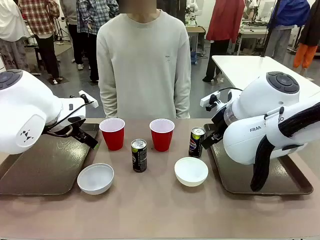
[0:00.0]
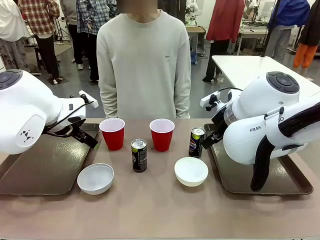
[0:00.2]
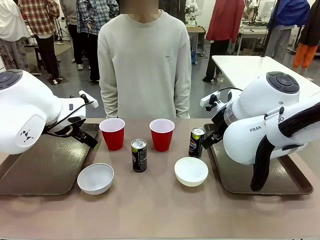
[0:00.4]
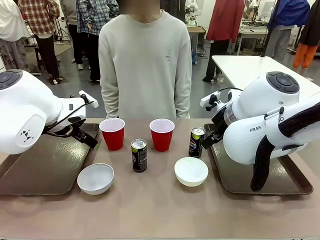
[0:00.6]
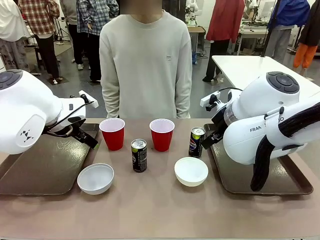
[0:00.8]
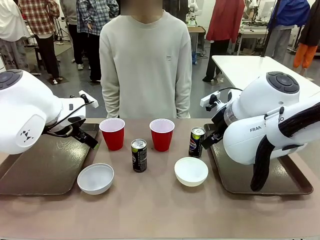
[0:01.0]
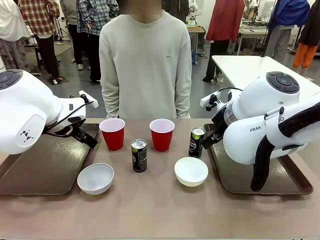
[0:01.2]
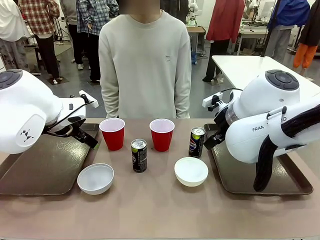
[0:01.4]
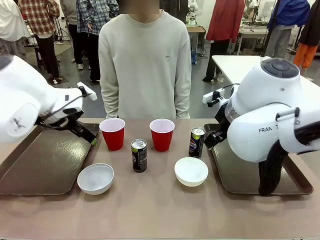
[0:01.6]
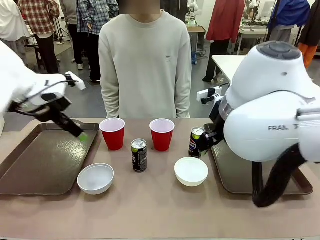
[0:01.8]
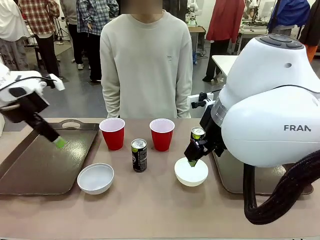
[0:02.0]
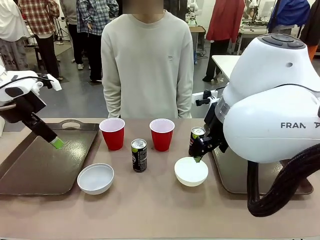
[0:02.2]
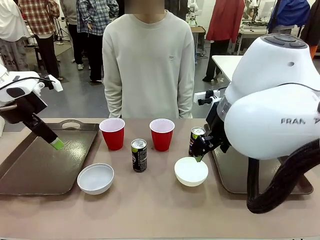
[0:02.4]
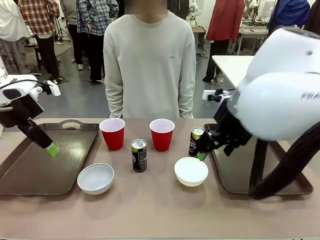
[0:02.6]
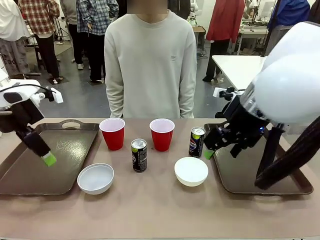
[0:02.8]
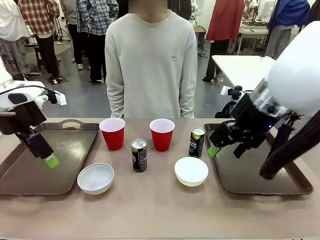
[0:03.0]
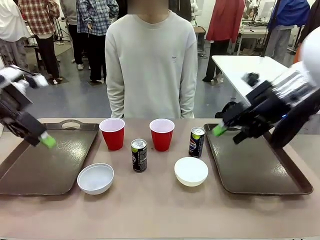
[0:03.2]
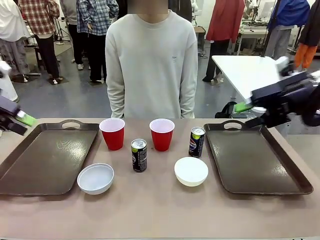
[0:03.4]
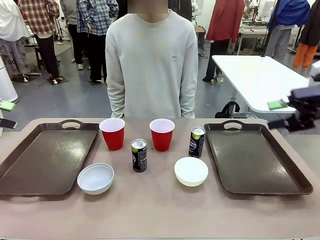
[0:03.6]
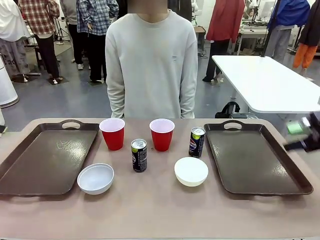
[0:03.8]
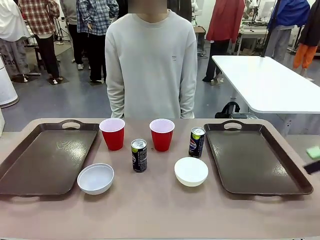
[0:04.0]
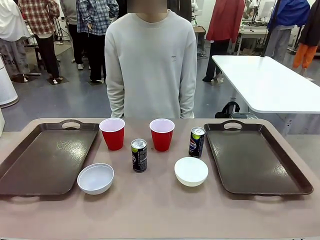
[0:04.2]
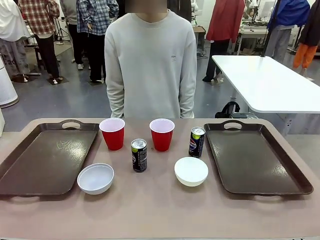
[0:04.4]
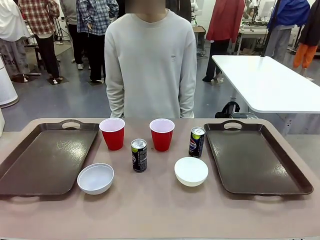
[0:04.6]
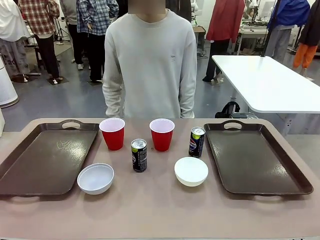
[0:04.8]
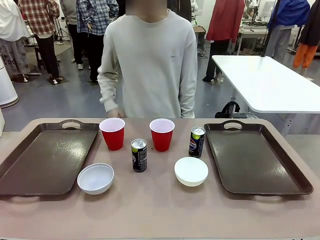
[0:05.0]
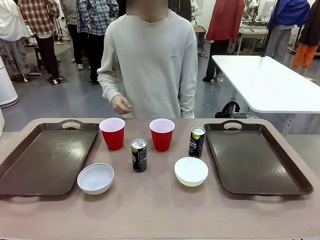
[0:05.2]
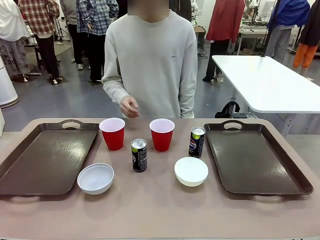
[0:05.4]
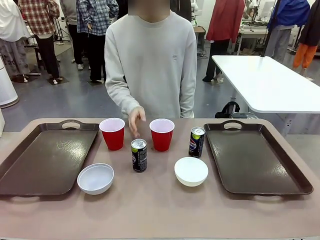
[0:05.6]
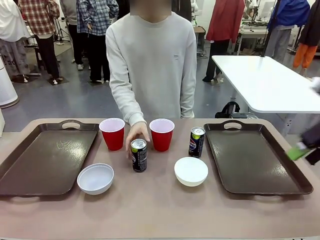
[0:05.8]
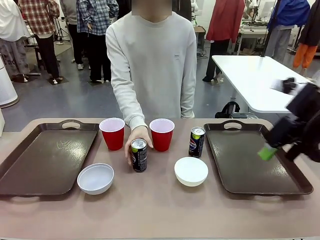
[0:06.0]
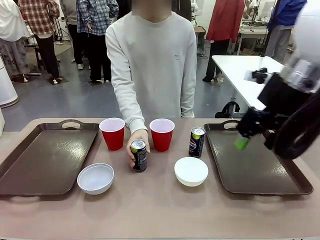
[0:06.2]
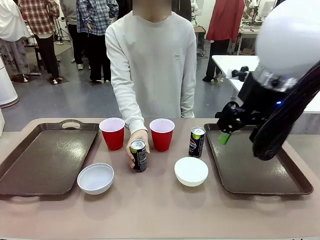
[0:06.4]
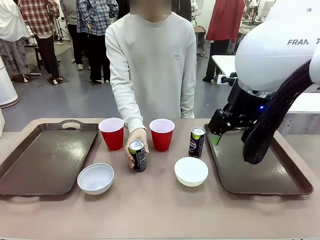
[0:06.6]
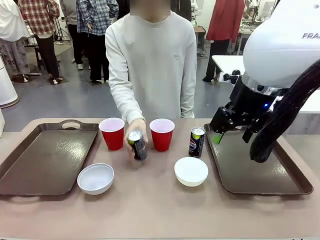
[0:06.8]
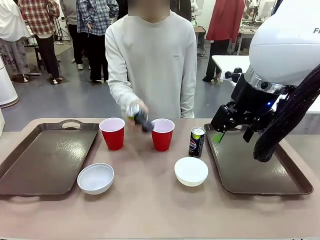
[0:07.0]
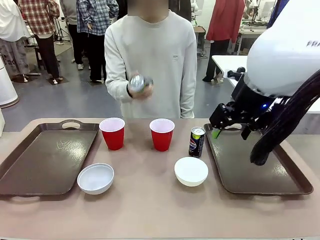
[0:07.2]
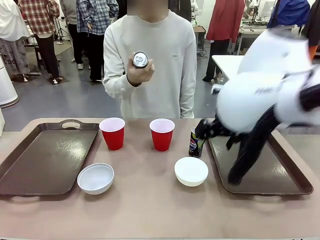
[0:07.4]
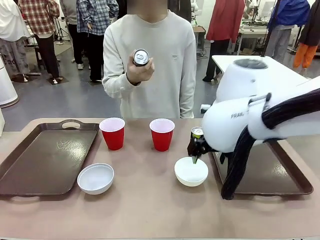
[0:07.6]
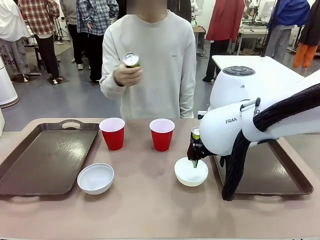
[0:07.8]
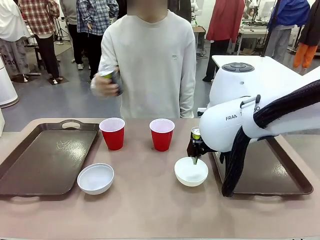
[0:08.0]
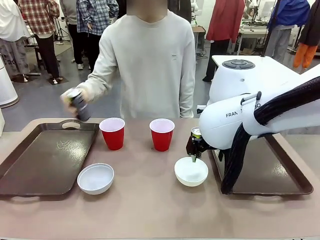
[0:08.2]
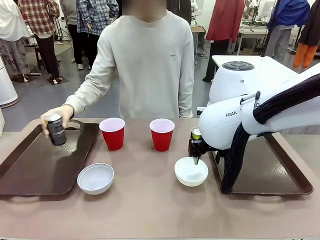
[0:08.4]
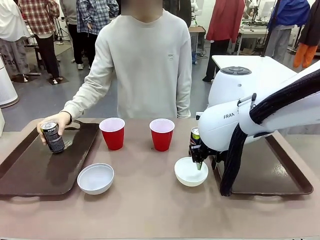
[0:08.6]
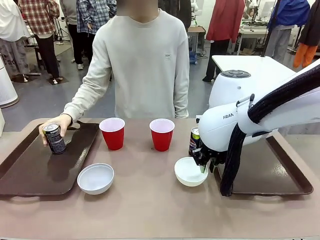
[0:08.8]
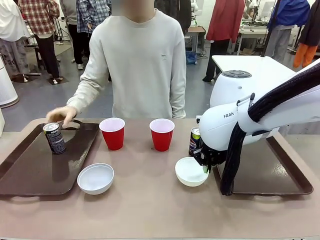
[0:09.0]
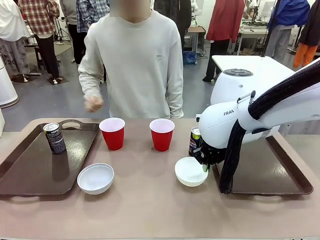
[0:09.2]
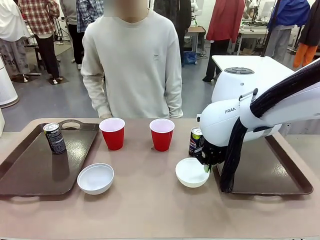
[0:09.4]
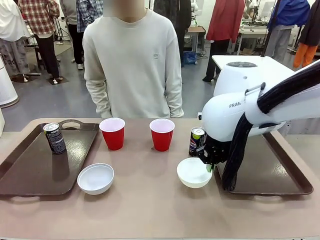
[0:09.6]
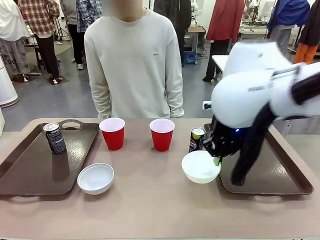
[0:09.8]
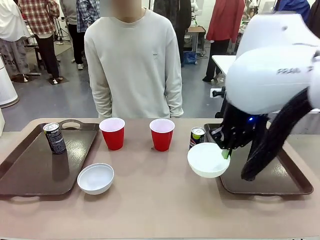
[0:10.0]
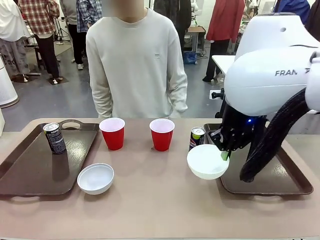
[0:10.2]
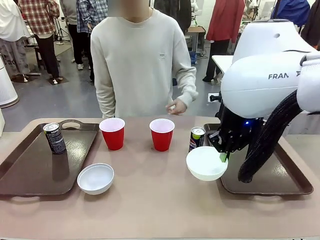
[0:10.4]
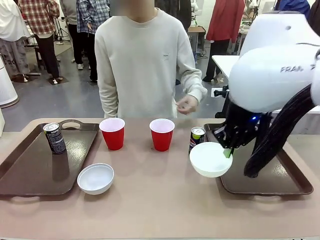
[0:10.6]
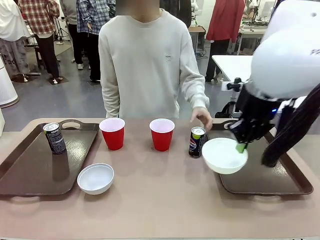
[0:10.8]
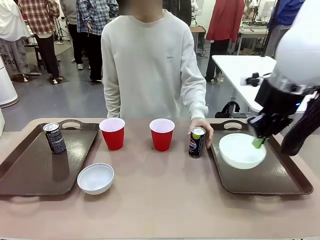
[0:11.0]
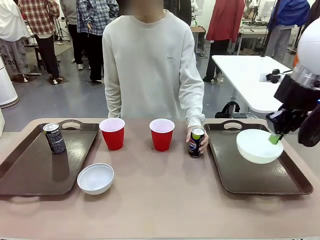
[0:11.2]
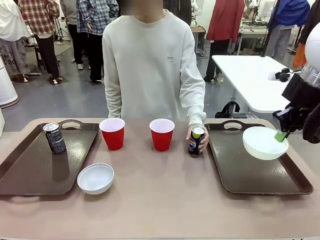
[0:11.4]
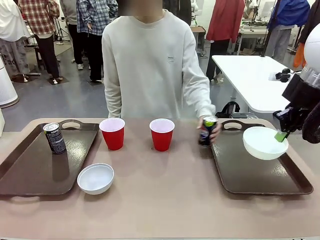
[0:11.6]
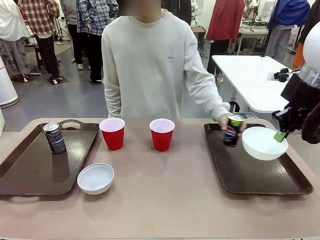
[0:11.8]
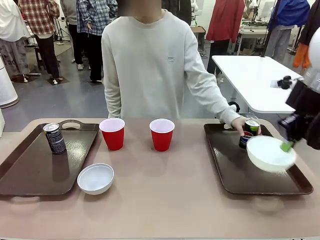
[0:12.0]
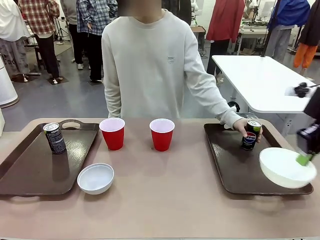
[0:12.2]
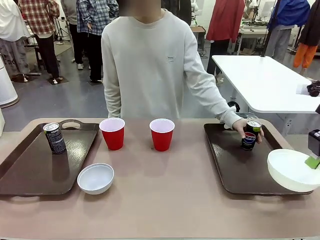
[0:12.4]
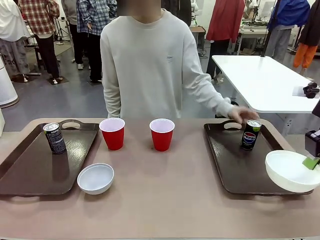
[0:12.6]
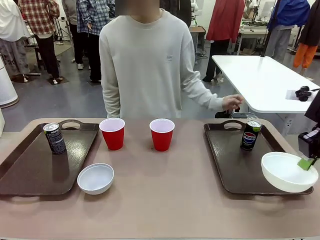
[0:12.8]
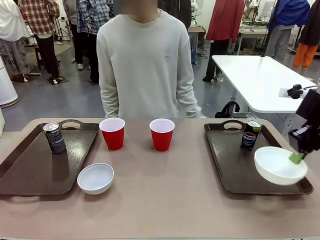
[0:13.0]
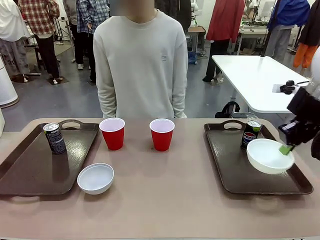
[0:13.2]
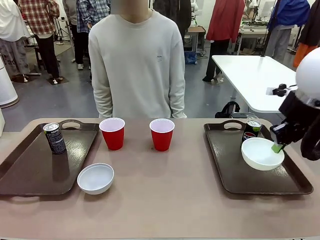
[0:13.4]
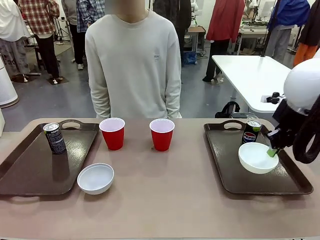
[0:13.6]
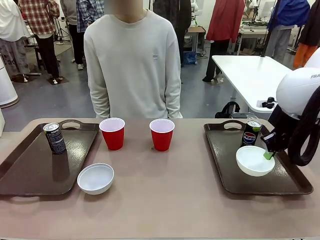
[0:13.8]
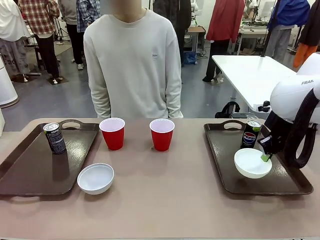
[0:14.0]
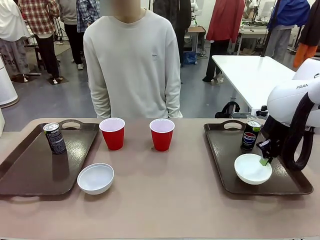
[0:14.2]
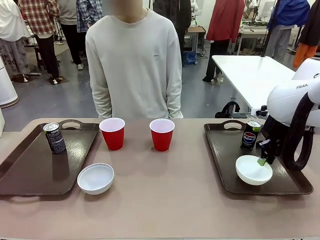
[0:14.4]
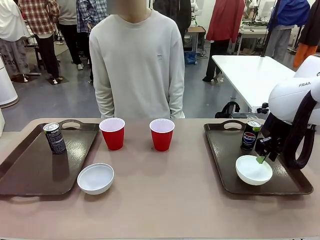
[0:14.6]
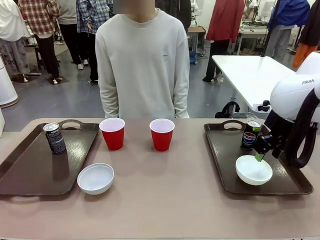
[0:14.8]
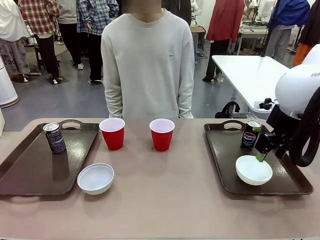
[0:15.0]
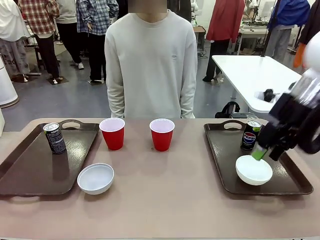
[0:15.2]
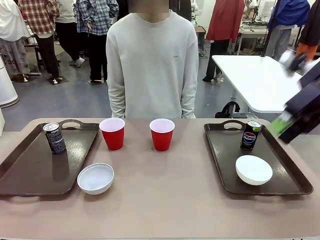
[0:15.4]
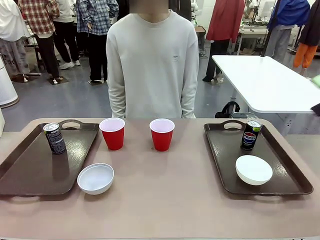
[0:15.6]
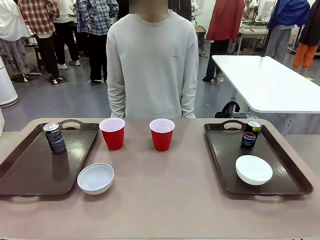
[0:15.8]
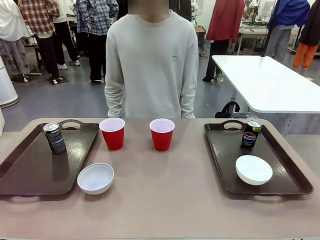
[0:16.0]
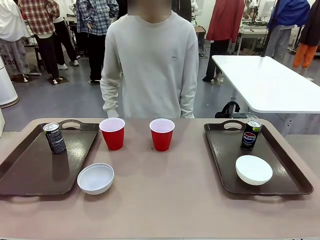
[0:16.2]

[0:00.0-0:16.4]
Task: Prepare tableware on both trays.
Robot: Pick up a Picnic Bowl from the table and place it on a Handle tray.
Person: Pick up a can or cup and place it on the tray.
